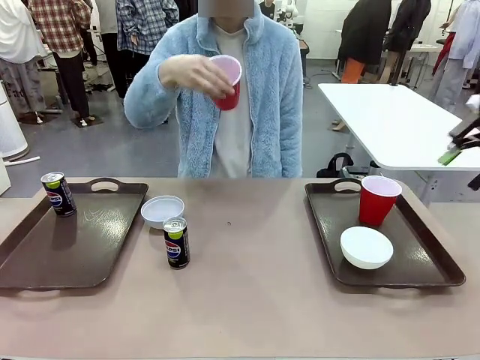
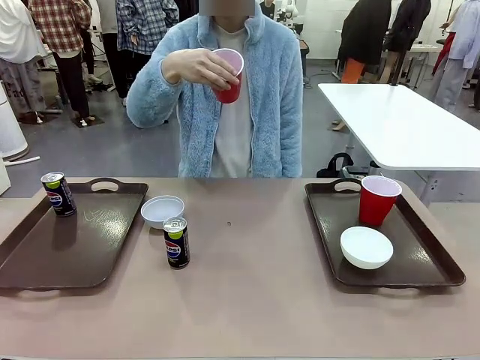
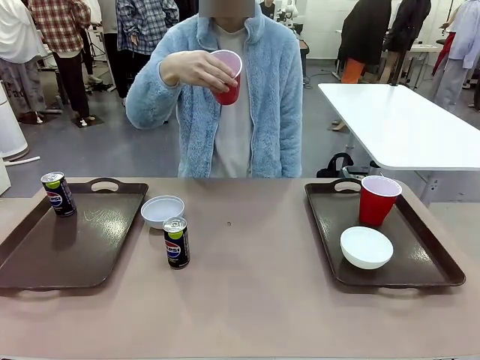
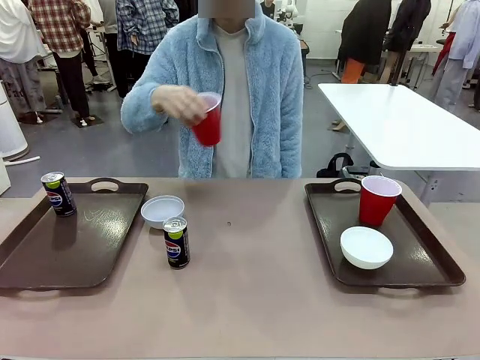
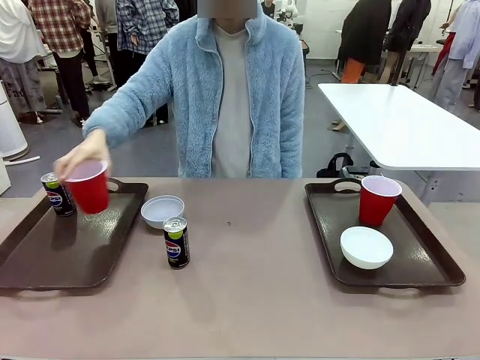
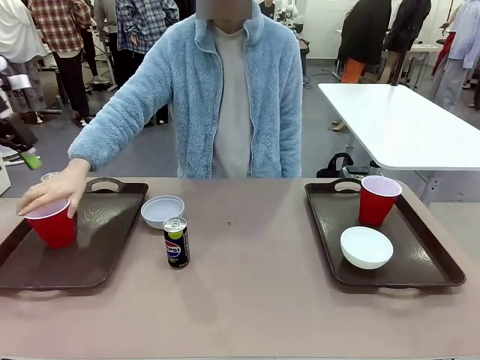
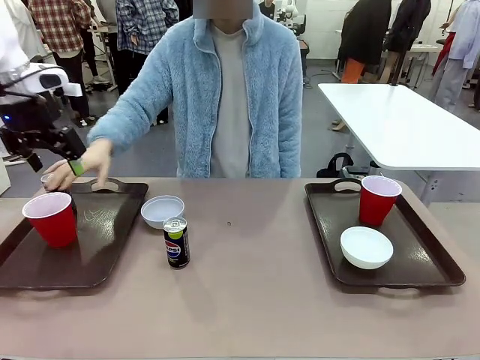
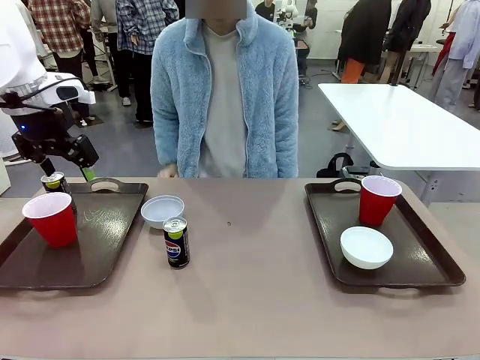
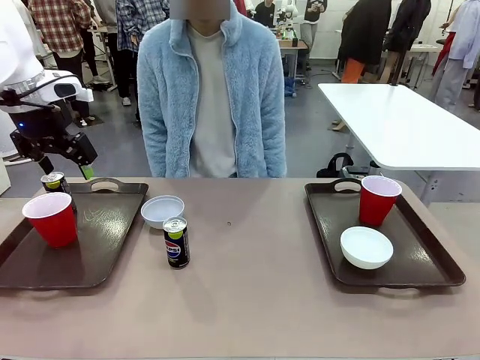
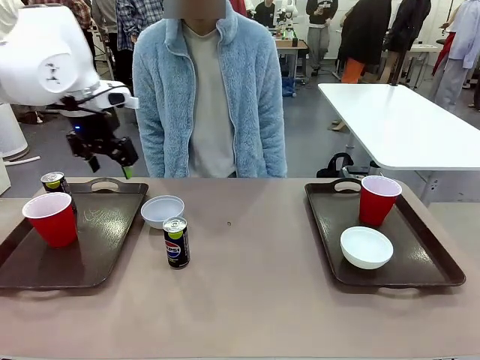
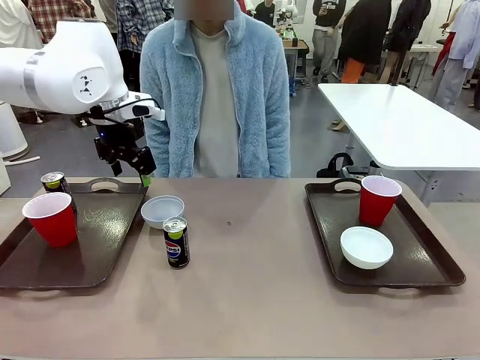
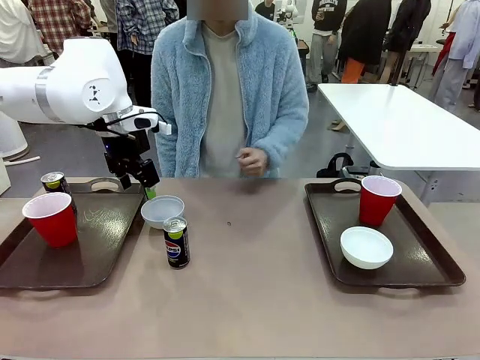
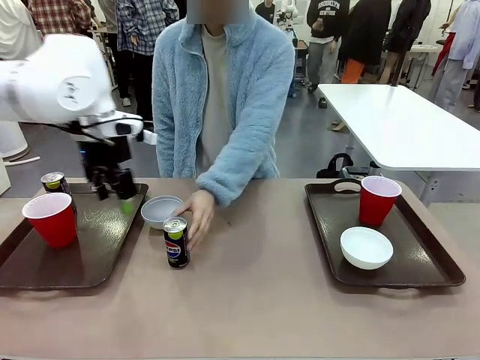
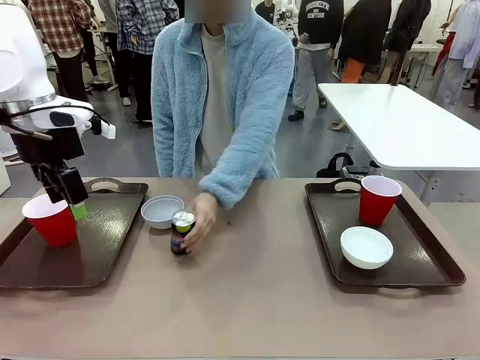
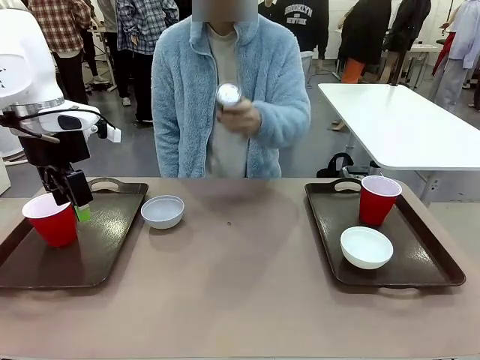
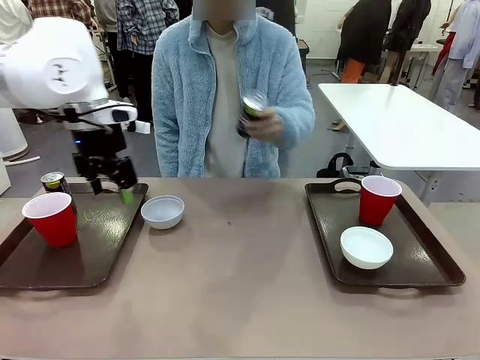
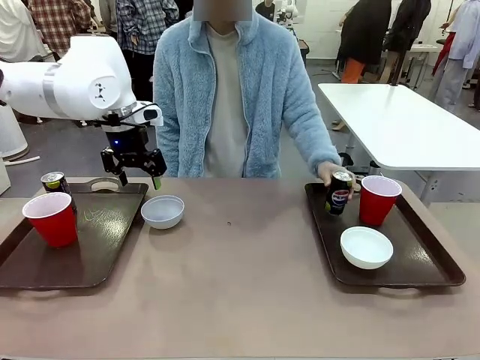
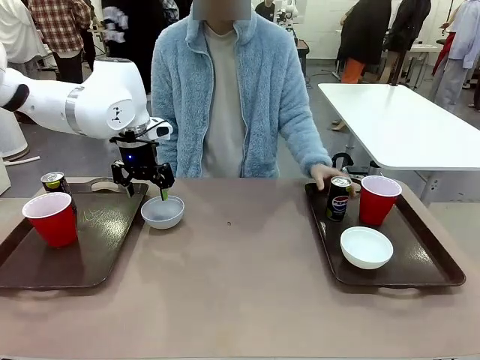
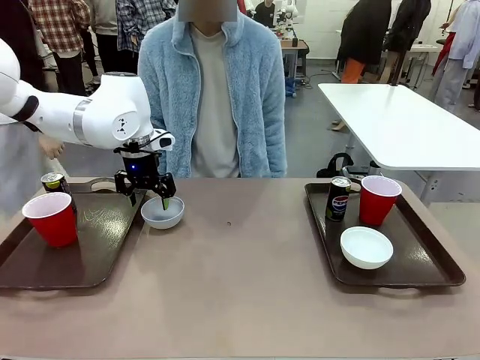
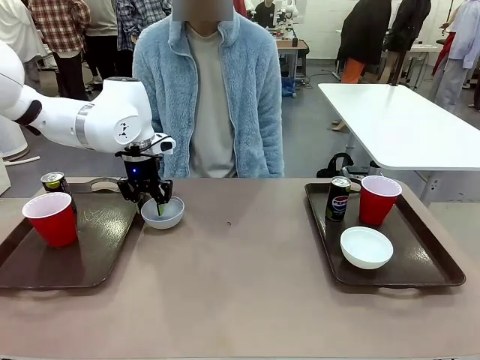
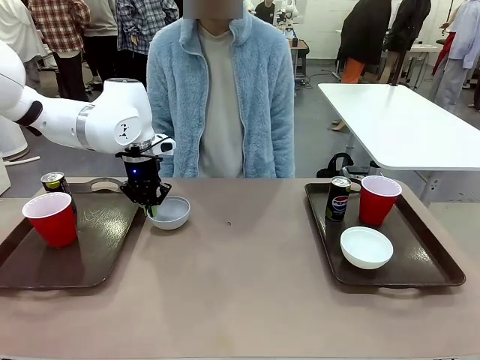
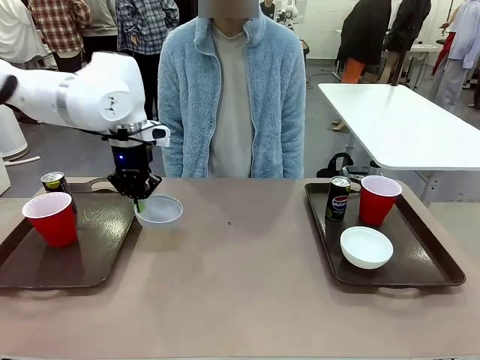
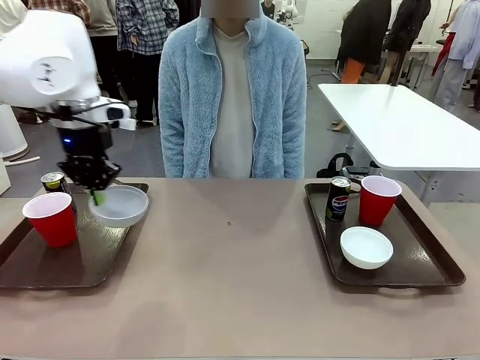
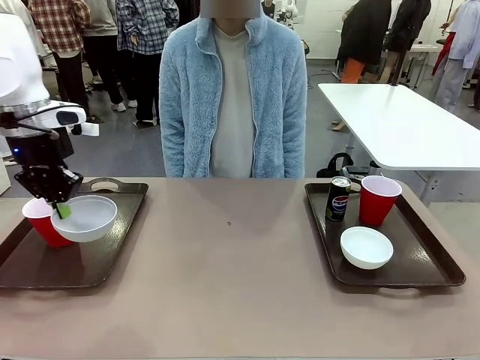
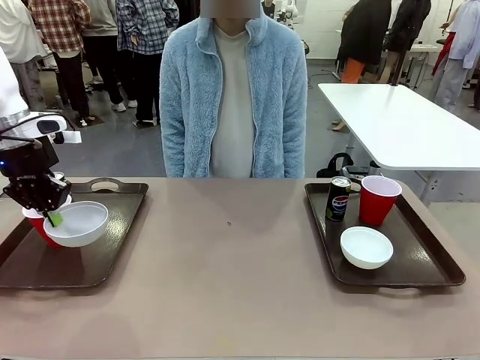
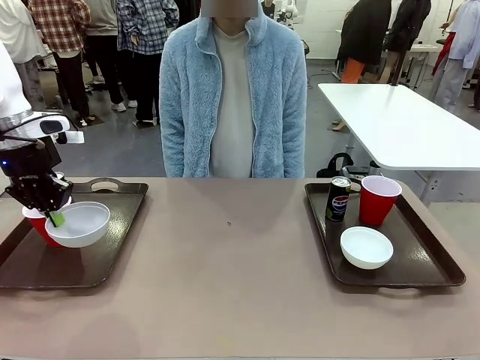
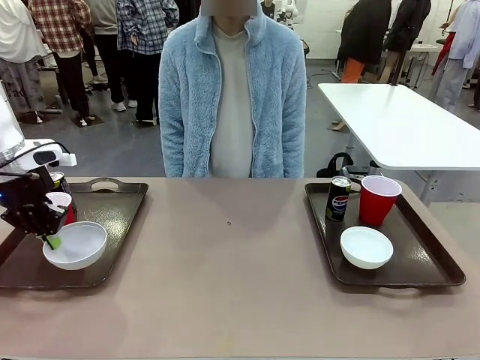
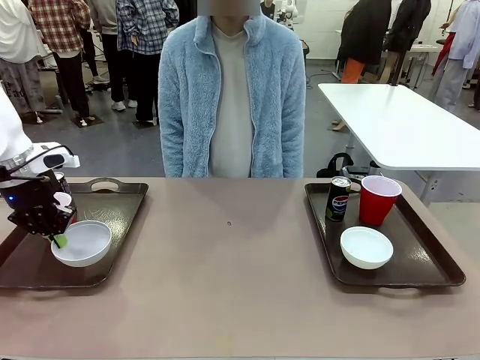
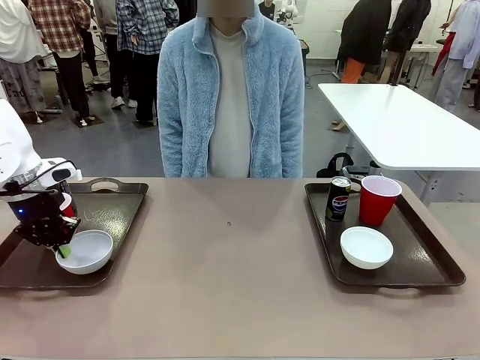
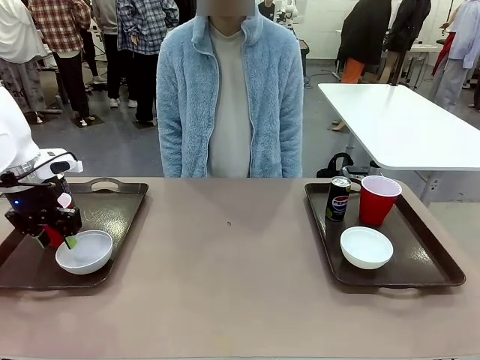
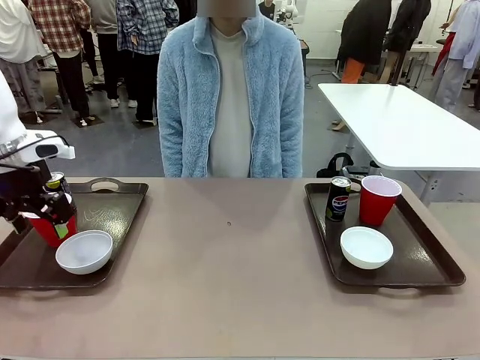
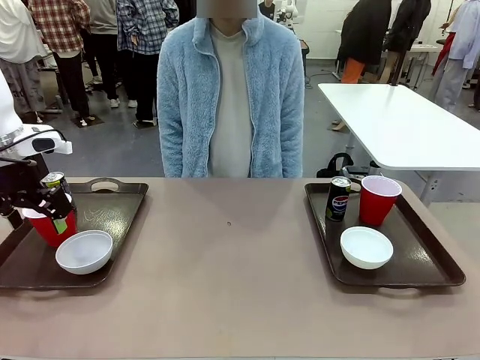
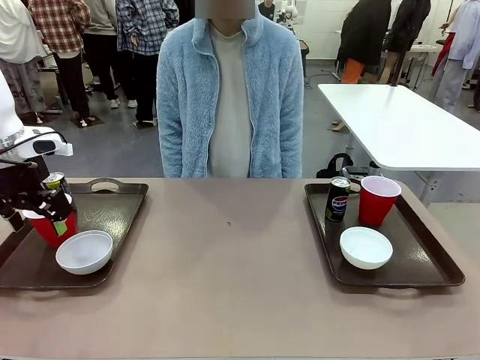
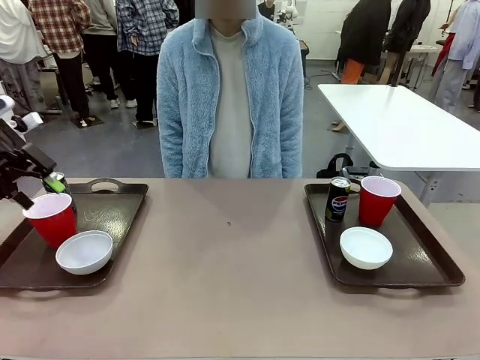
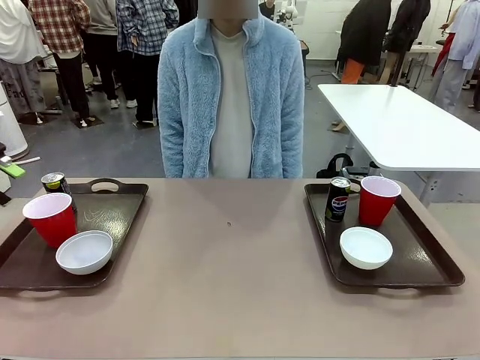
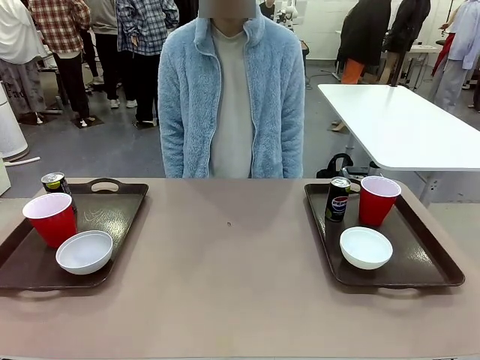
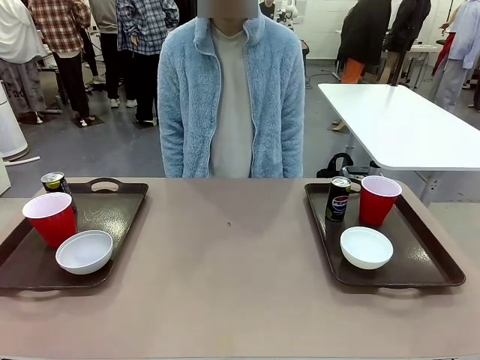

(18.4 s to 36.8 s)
Task: Prepare tableware on both trays.
Robot: Pick up a Picnic Bowl from the table and place it on a Handle tray.
Person: Pick up a can or cup and place it on the tray without a can or cup.
